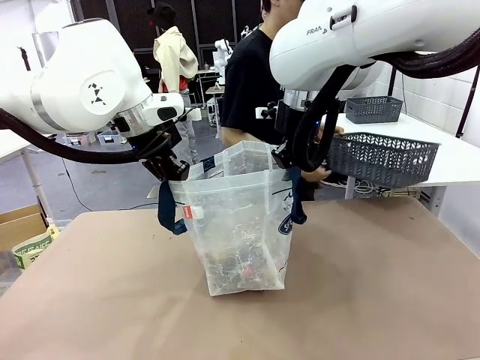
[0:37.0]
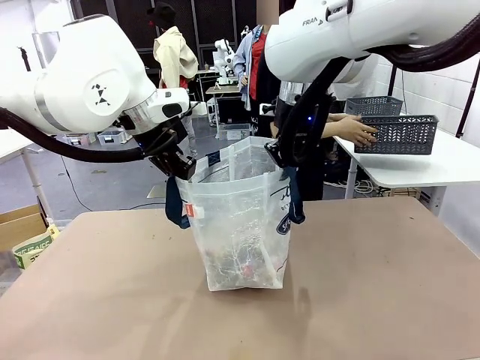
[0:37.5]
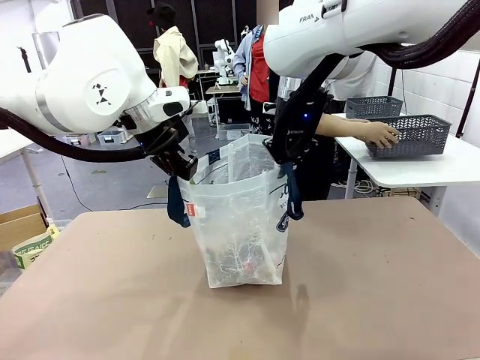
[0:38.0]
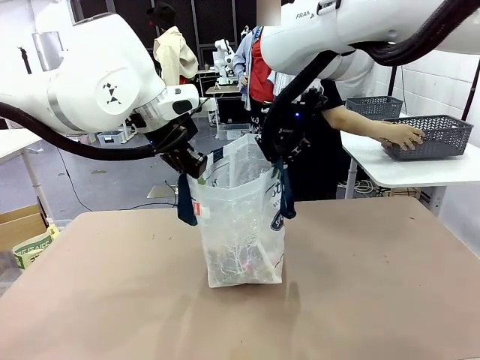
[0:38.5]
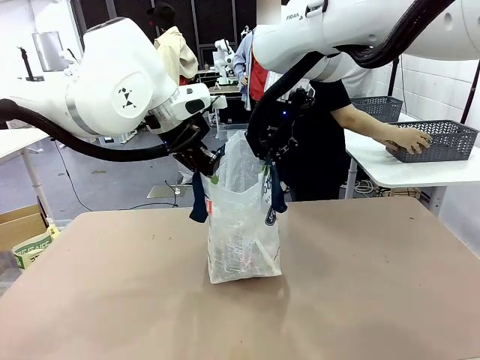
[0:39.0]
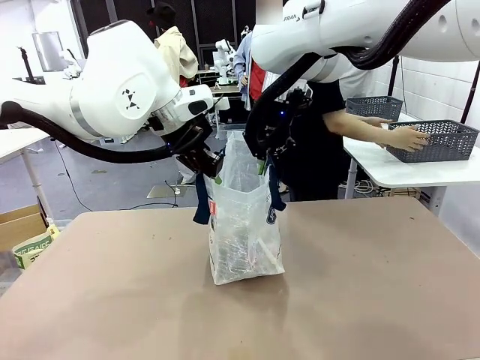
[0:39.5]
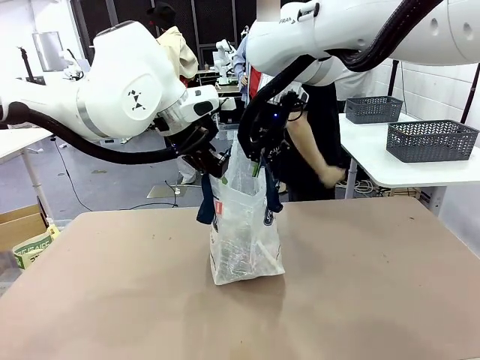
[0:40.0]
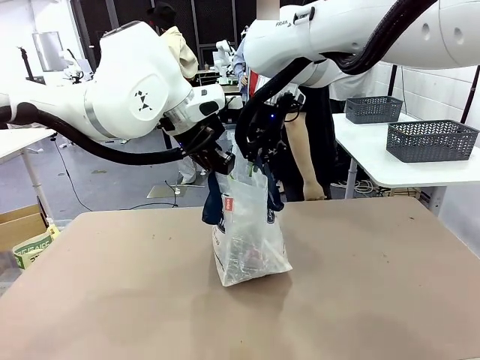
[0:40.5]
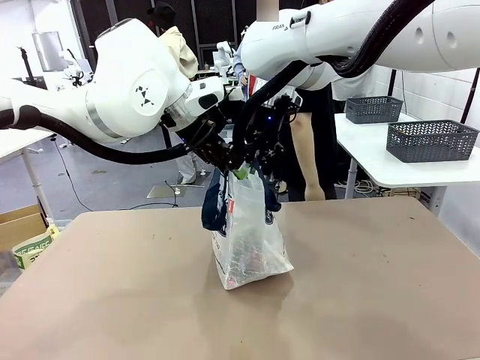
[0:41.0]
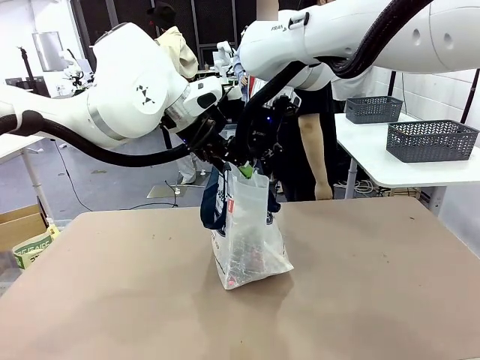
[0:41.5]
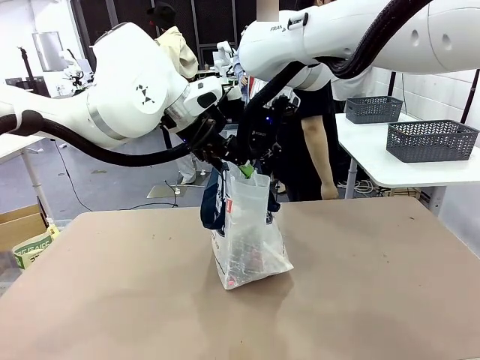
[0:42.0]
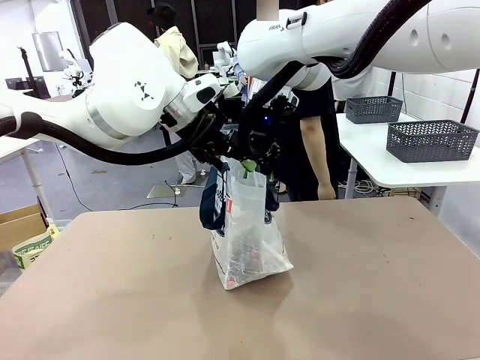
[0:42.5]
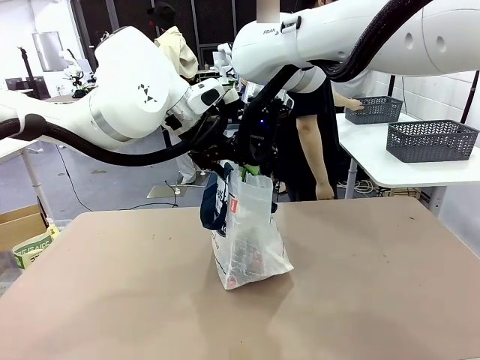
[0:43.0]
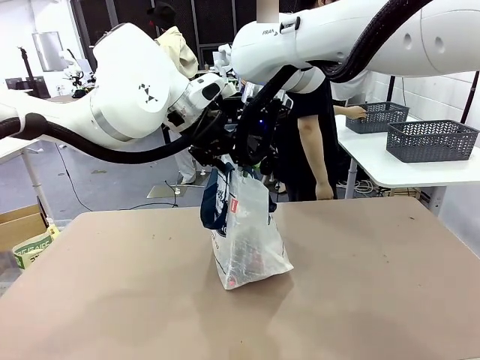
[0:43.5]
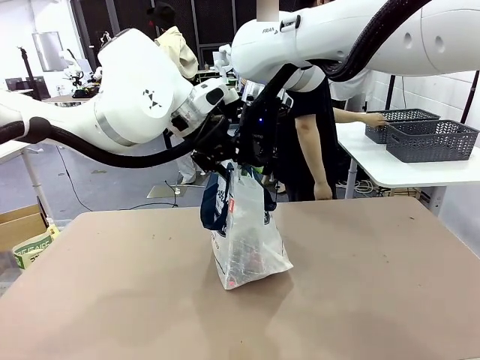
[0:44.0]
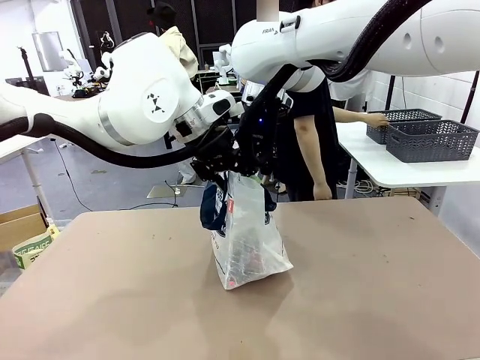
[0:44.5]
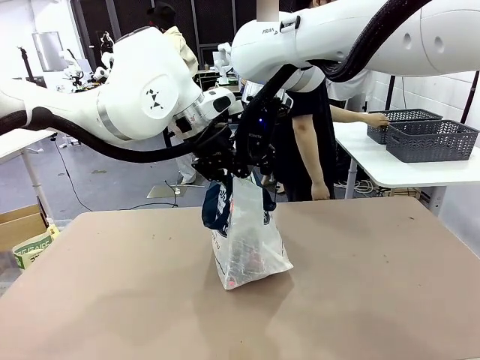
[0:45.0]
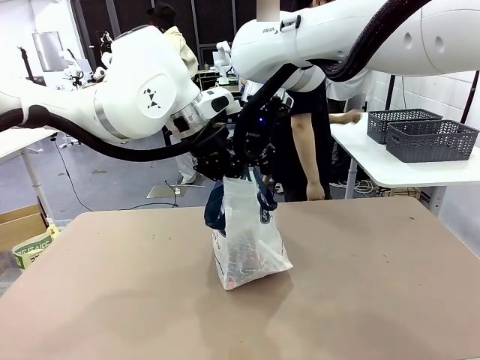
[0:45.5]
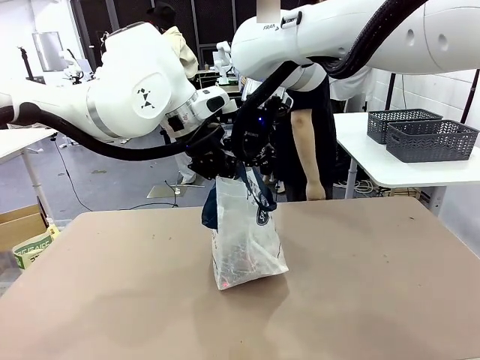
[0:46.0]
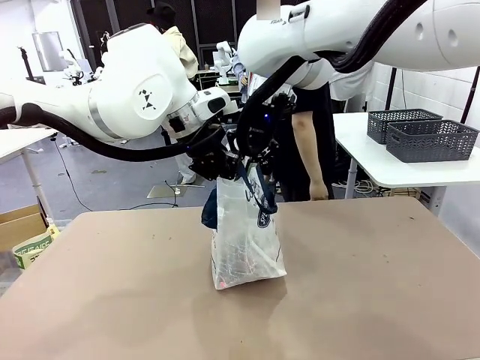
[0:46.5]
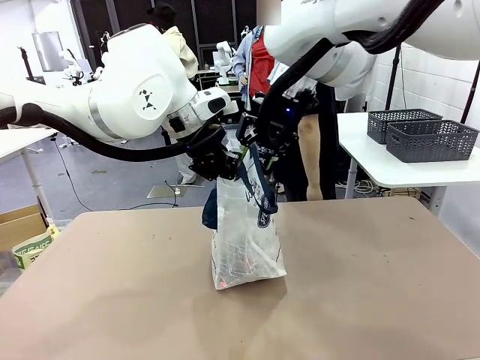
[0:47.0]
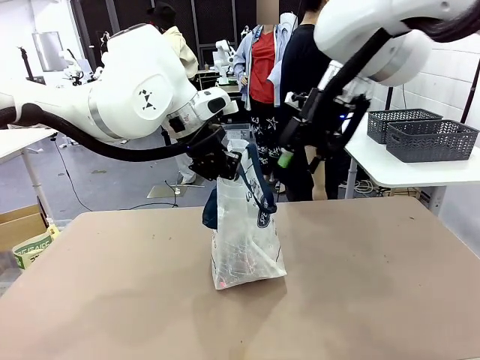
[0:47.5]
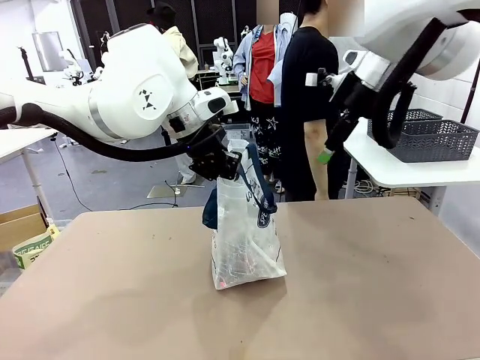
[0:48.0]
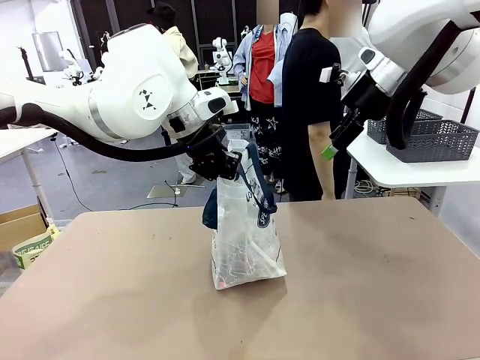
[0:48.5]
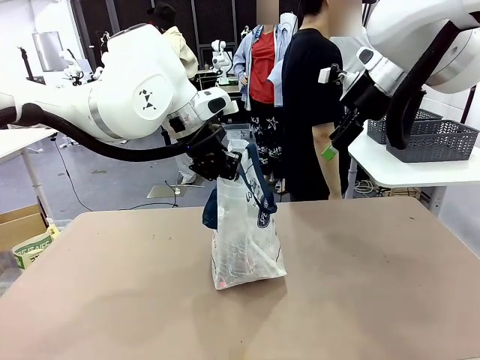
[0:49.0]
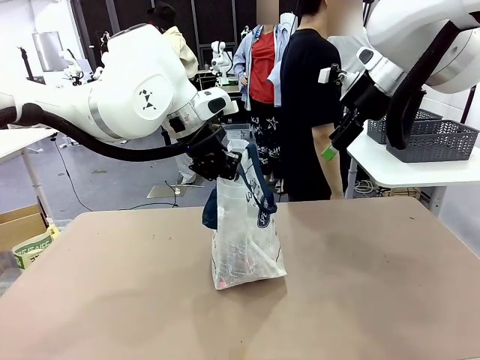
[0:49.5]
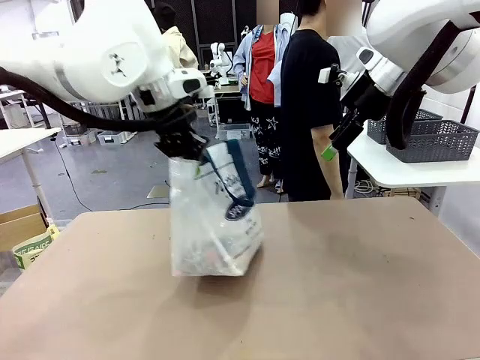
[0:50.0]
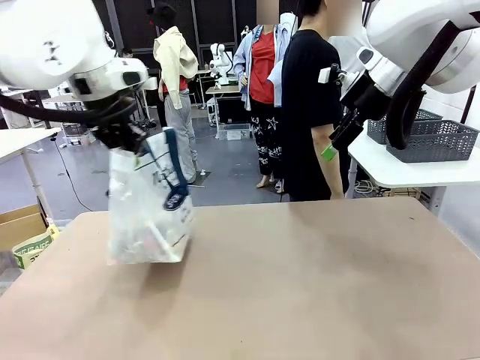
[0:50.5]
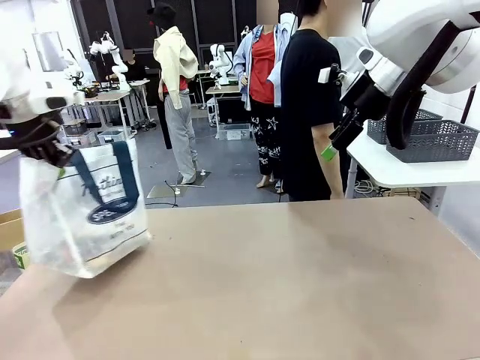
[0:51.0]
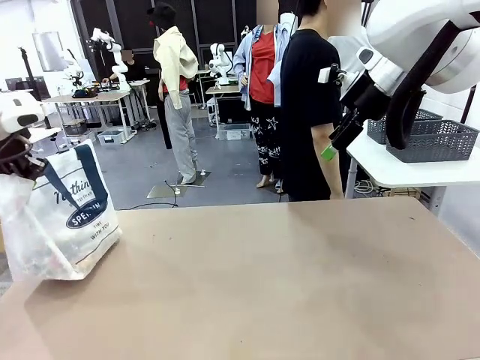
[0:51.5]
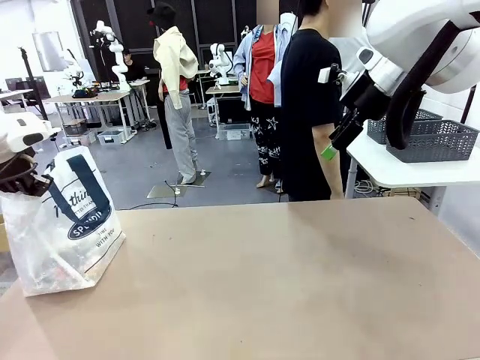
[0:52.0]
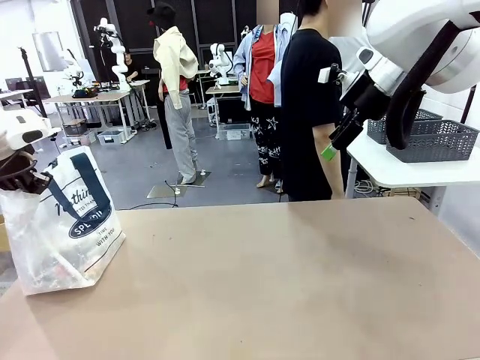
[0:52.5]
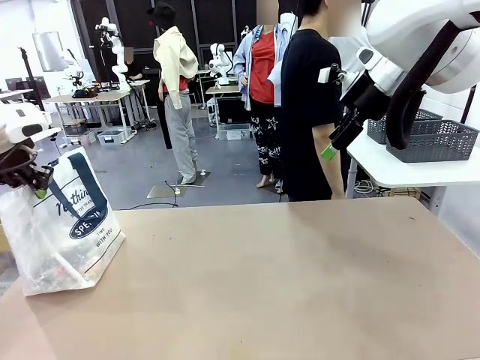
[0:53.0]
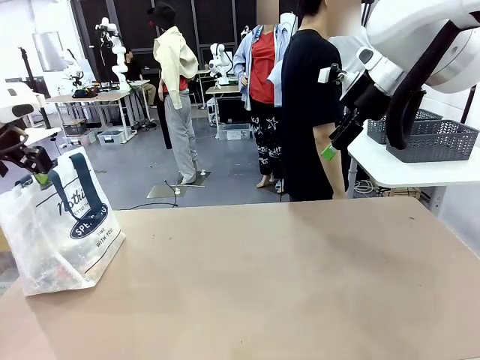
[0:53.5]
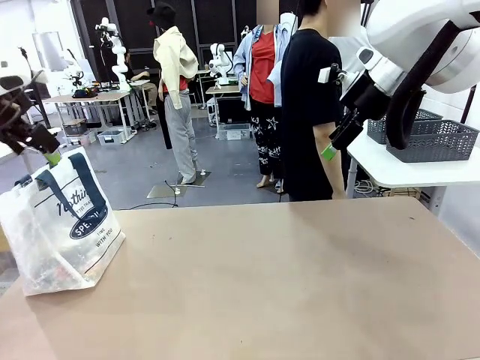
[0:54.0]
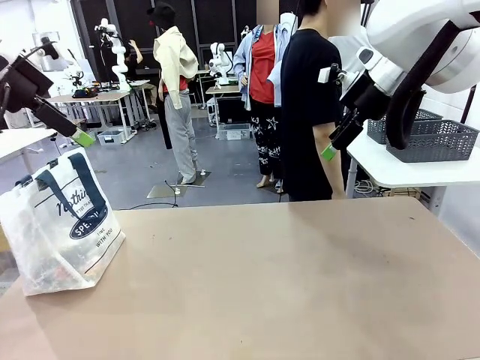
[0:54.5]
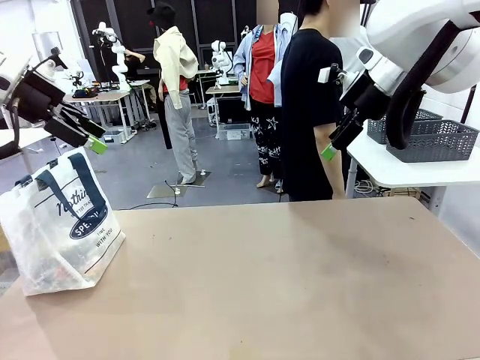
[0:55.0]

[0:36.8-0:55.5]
Task: Transfer purchased items from the store into the shopping bag.
Robot: Move the Reusable shopping bag to the right side of the table.
Person: Pick up the basket with the items out and place it on the right side of the human table. Move the basket on the left to the middle of the person's table.
